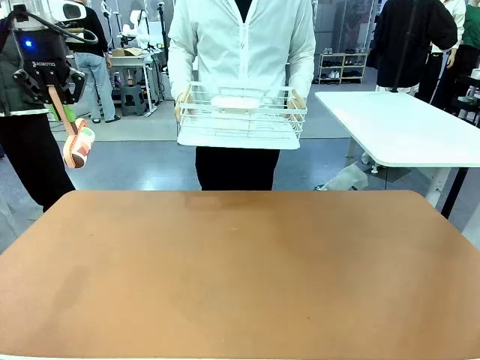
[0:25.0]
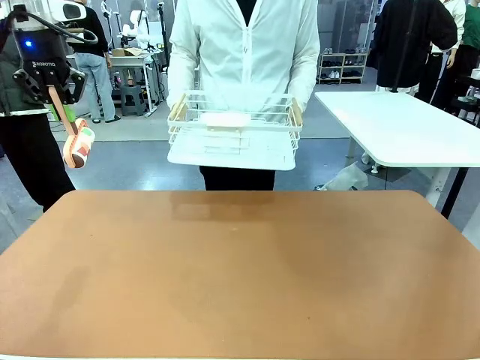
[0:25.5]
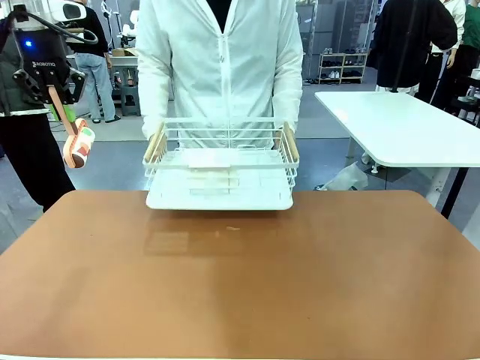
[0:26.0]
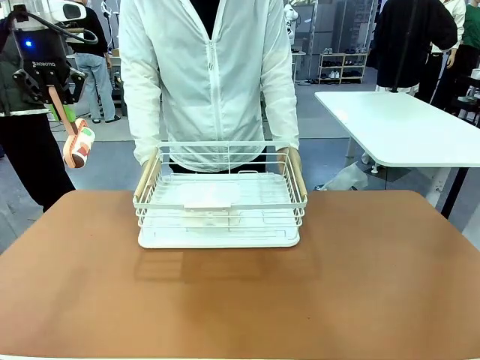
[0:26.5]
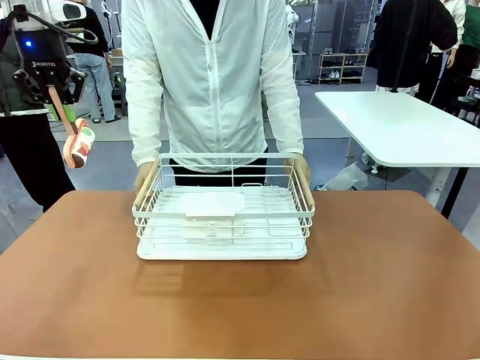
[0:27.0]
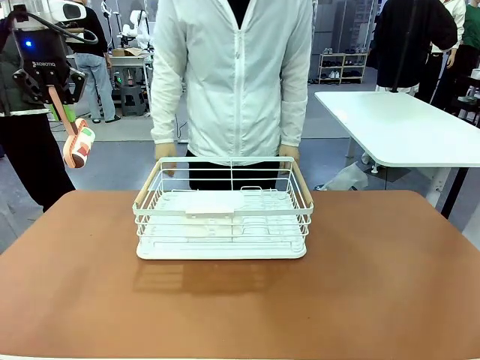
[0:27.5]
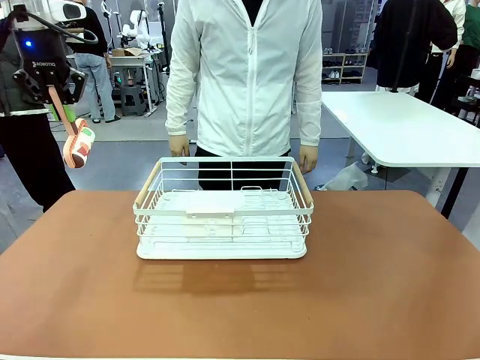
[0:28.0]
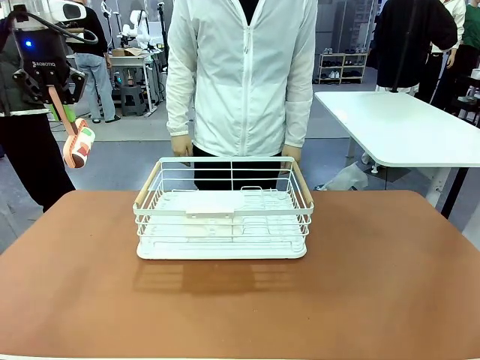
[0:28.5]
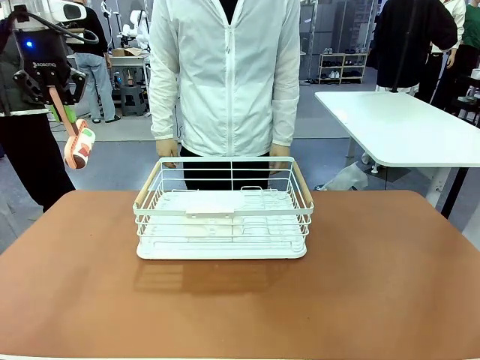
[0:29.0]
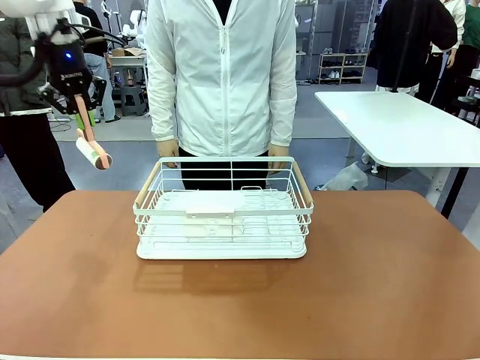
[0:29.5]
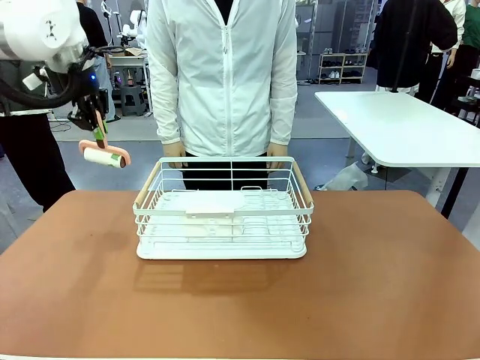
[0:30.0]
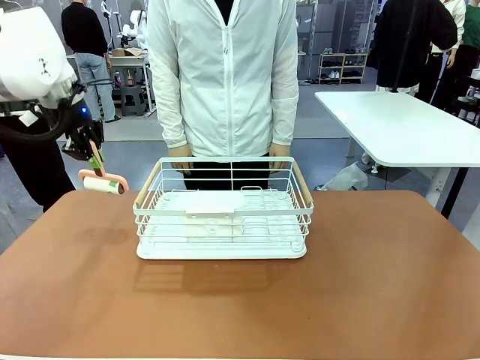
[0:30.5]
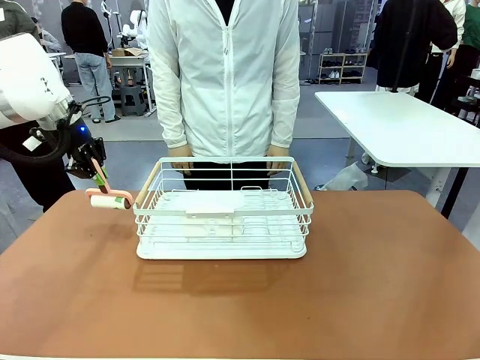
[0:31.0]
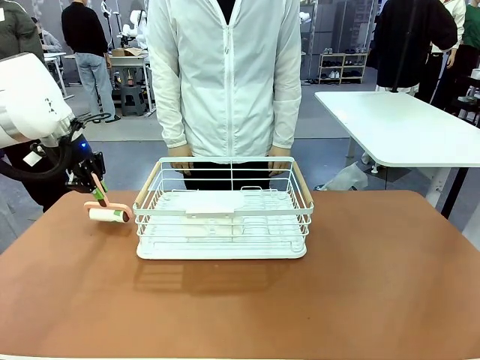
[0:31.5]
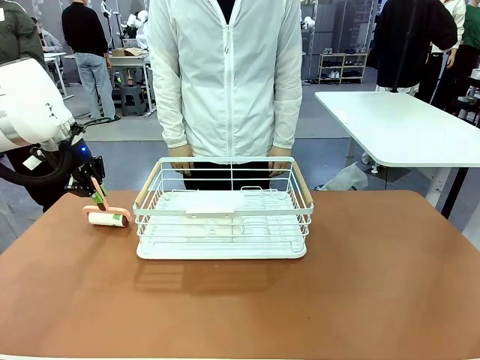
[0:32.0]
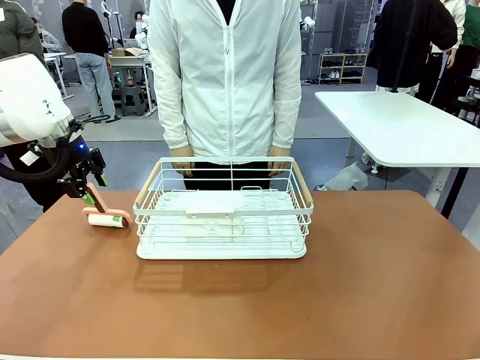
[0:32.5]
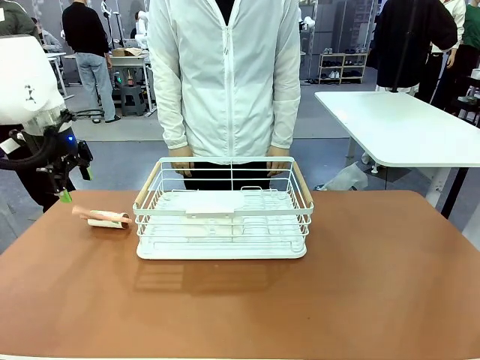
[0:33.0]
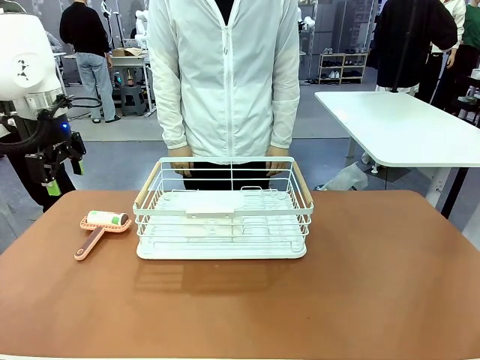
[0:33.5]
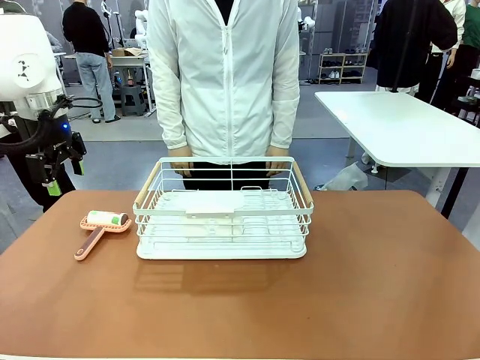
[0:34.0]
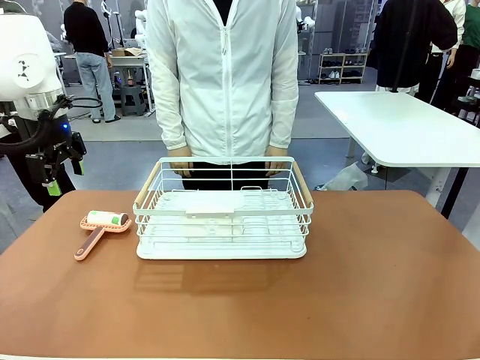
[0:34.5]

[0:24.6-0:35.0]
Task: Clean the table.
Robot: Place the Lint Roller down when the Dish drying rack is positioned in the middle of the table.
Person: Place the Dish drying rack down when the robot finishes cleaning.

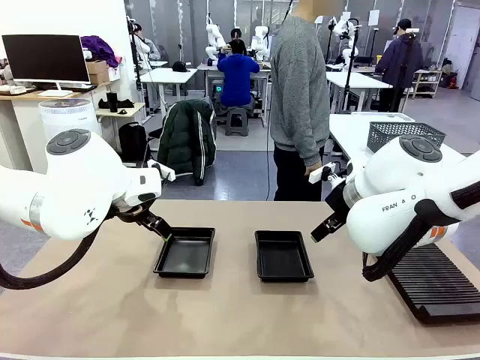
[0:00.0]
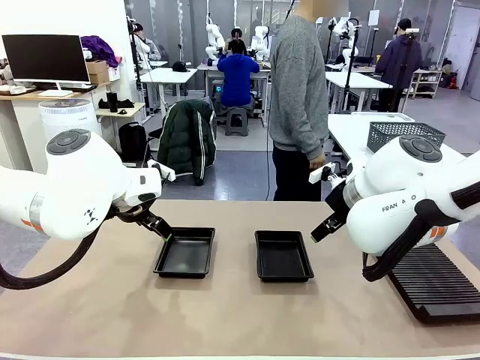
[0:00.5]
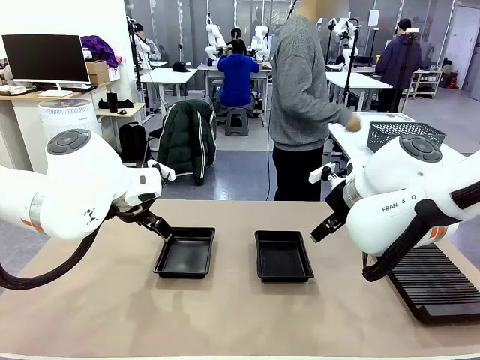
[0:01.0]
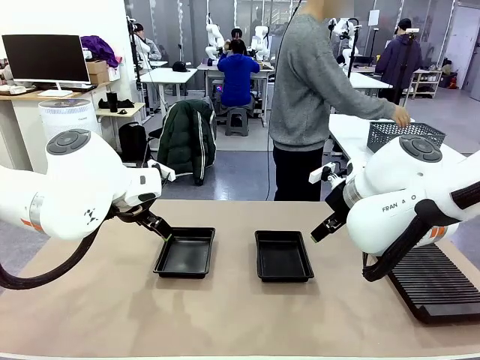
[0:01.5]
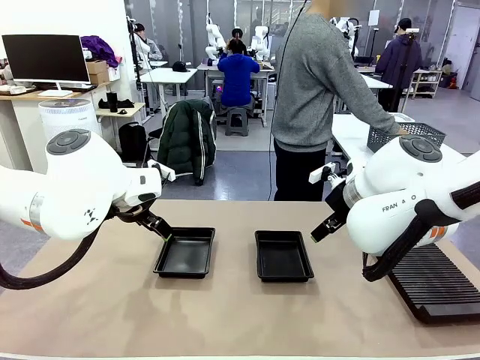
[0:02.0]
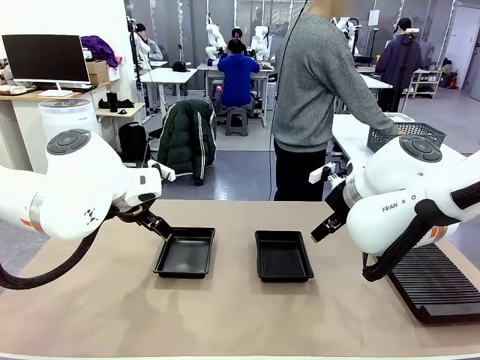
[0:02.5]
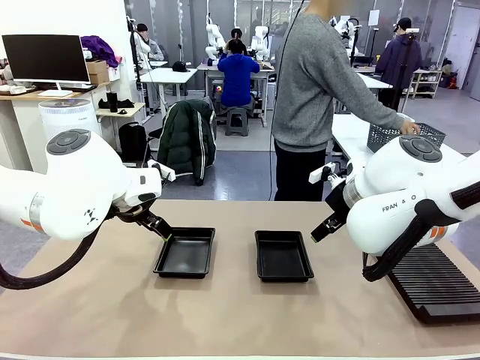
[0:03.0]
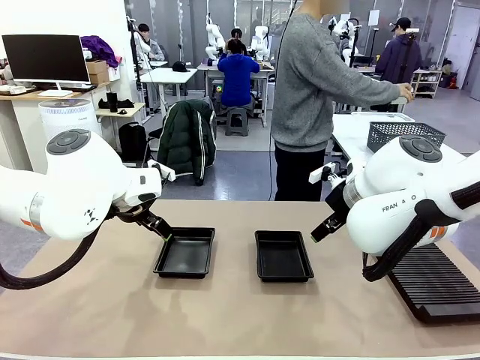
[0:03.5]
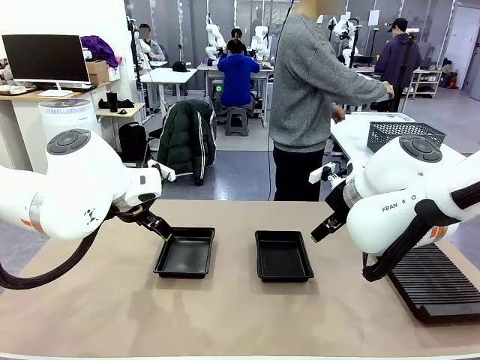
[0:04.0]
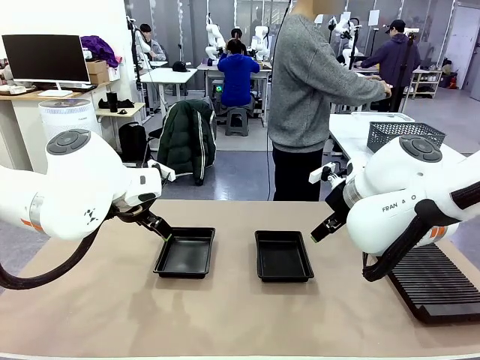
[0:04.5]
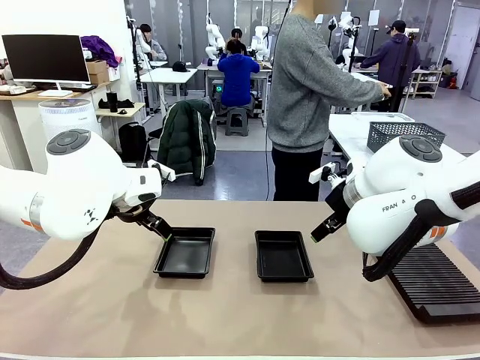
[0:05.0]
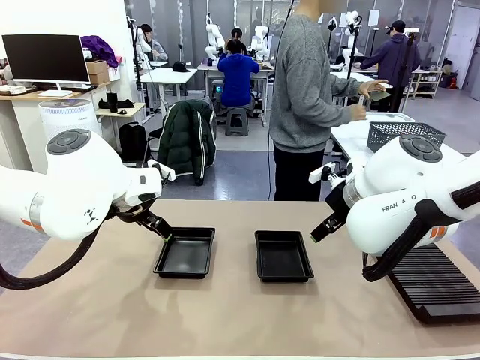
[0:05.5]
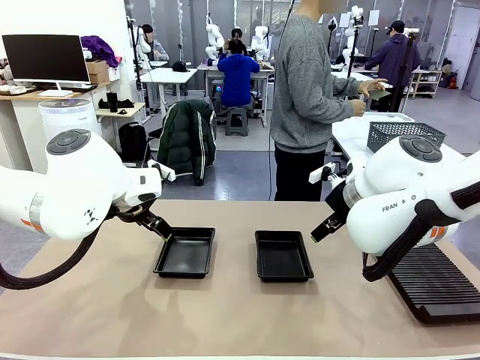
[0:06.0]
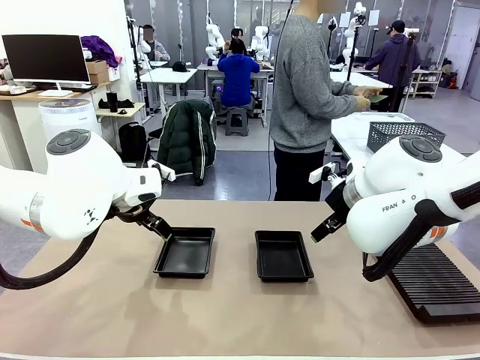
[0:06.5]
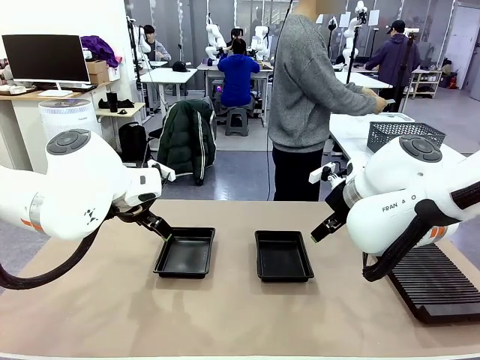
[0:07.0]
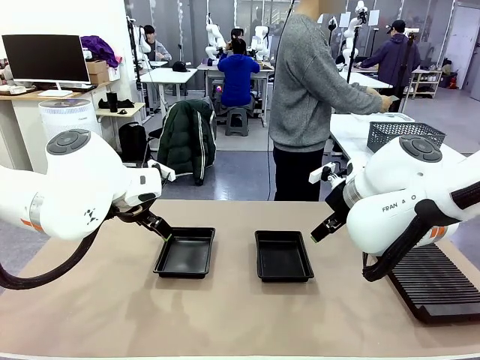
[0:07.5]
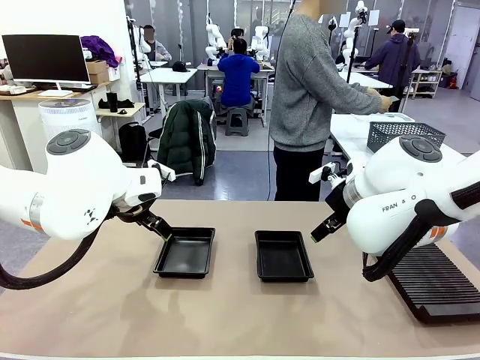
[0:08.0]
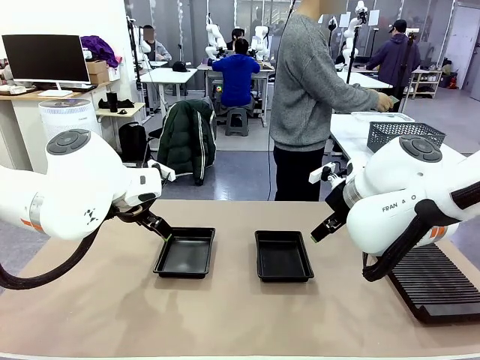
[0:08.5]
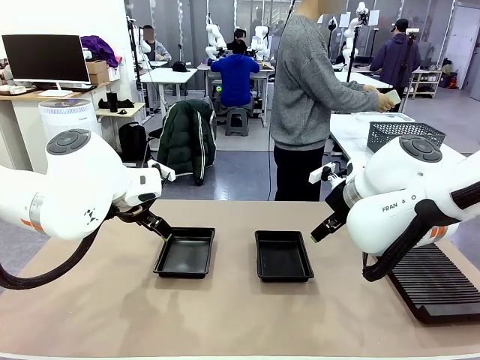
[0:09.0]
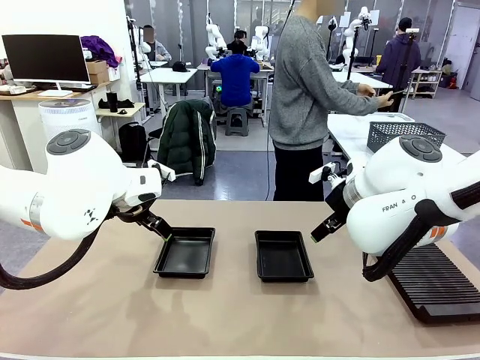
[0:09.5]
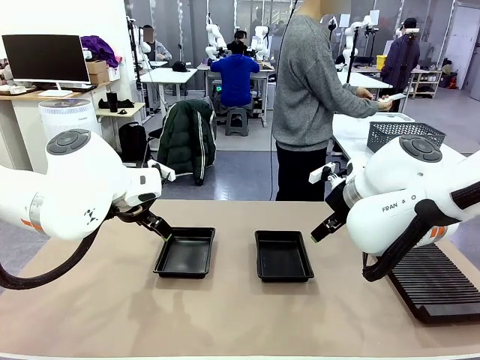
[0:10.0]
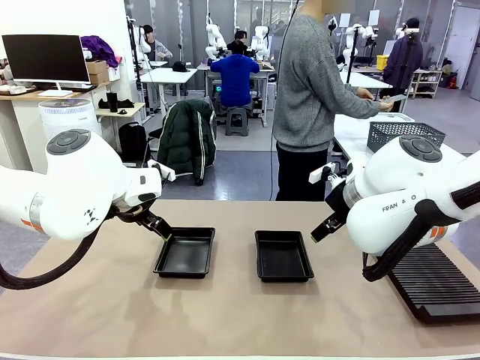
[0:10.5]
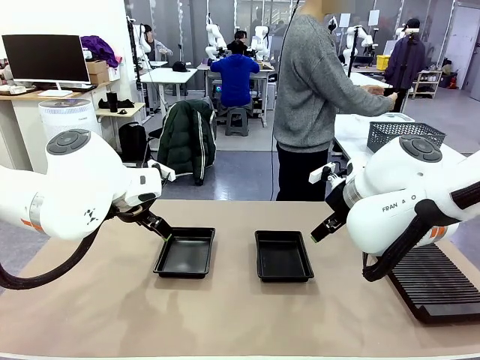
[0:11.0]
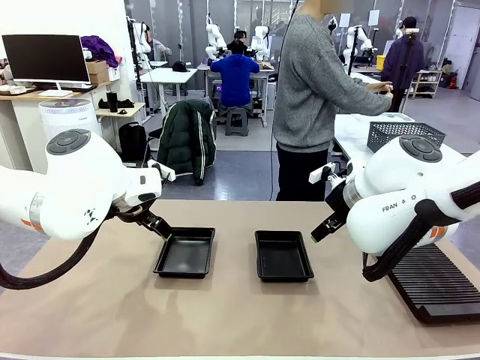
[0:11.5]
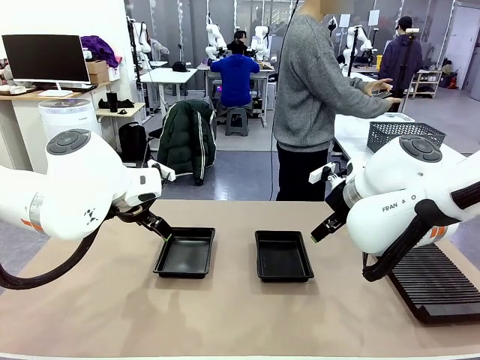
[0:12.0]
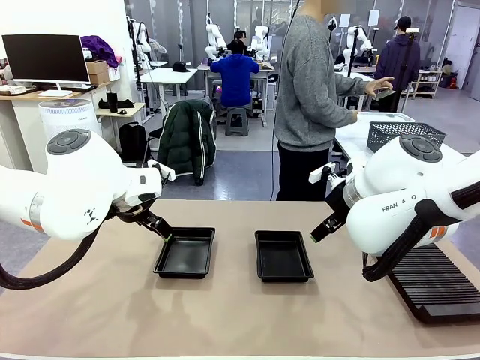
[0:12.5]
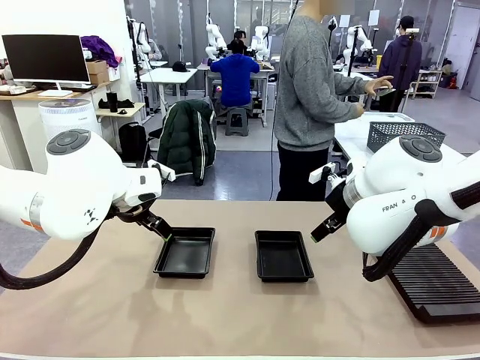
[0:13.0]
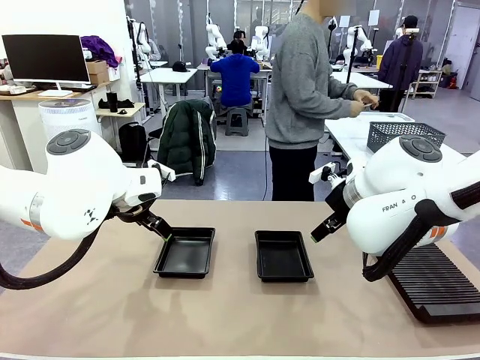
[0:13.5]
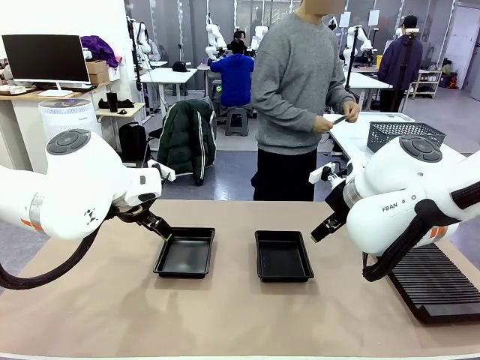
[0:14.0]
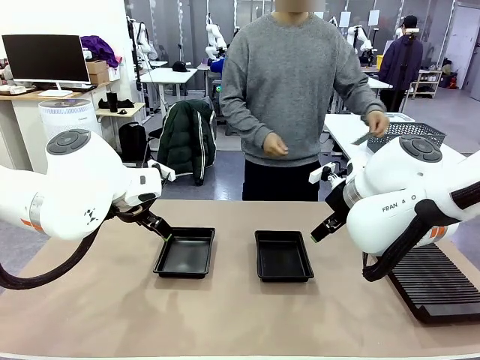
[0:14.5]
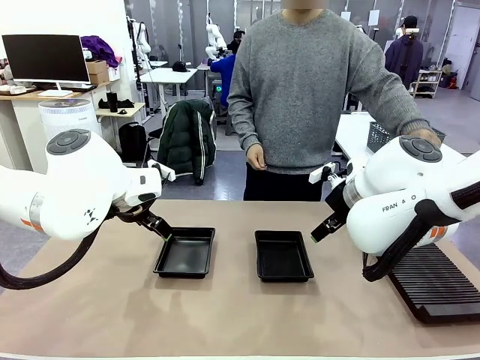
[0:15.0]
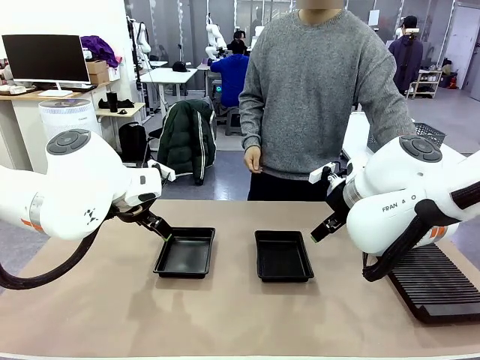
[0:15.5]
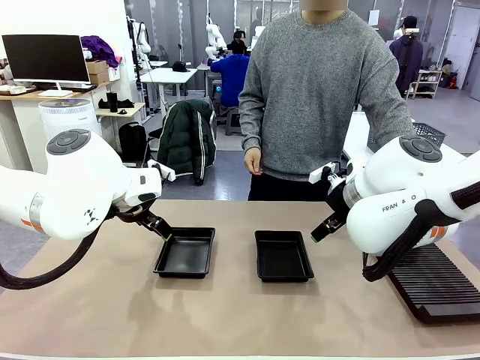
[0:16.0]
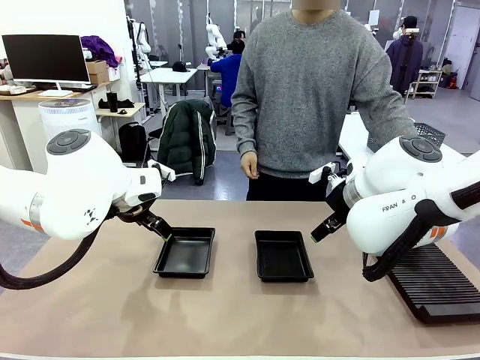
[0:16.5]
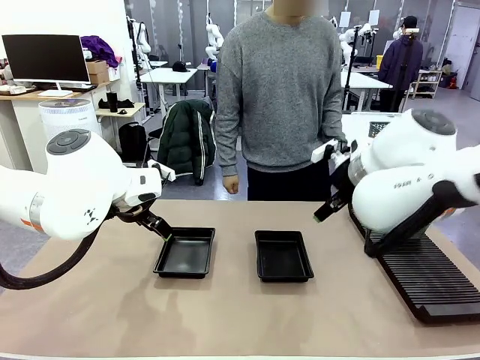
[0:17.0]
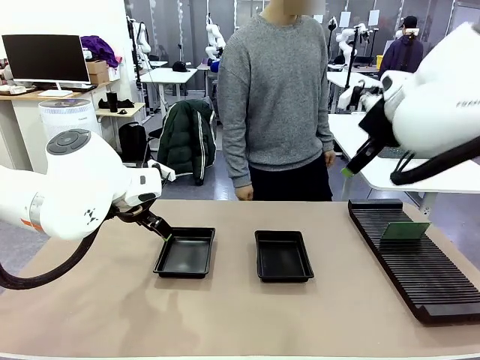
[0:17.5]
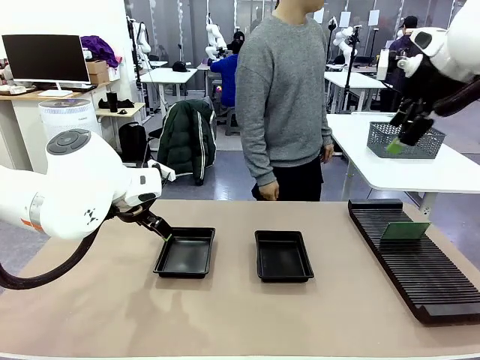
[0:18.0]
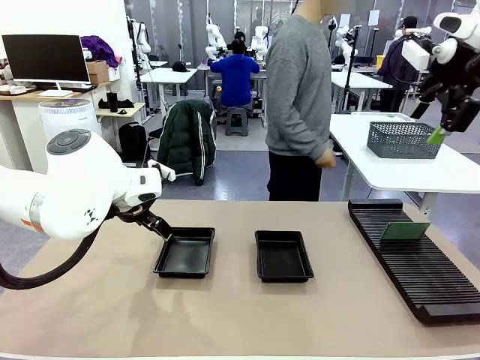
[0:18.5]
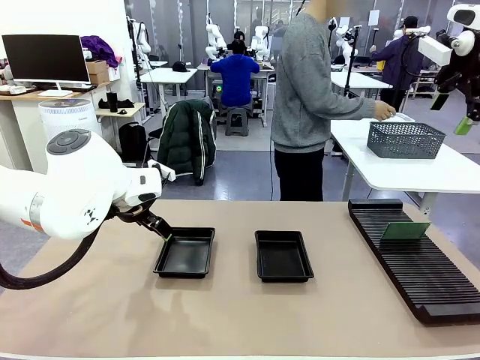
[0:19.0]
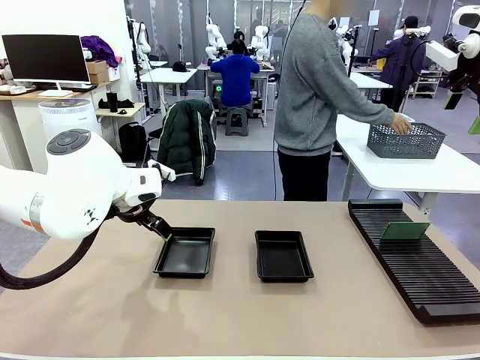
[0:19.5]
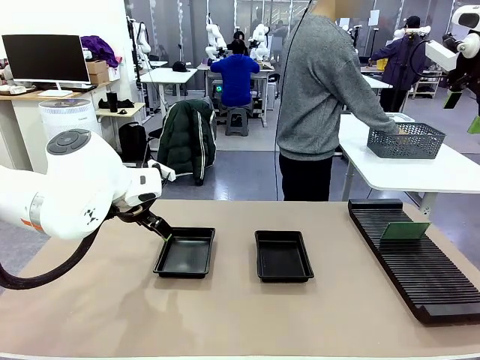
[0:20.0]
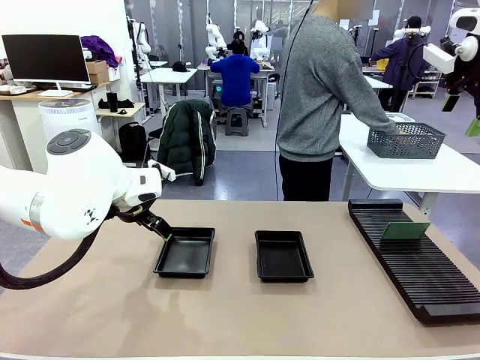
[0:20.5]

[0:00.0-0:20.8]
Task: Inspect and transfer BCBs to ESD trays.
Robot: Pick up the Blank PCB from the PCB Rack and place it in the left ESD tray.
